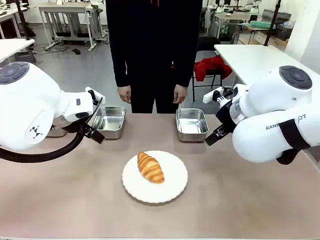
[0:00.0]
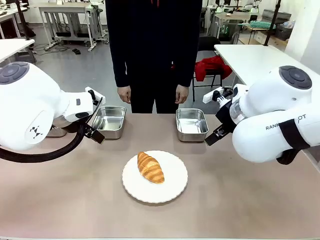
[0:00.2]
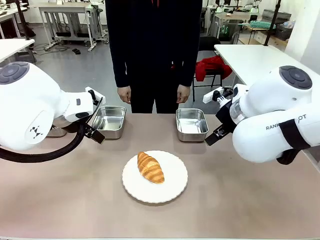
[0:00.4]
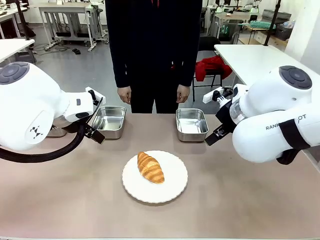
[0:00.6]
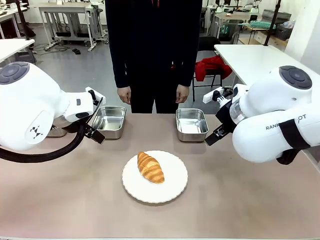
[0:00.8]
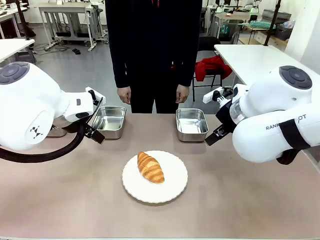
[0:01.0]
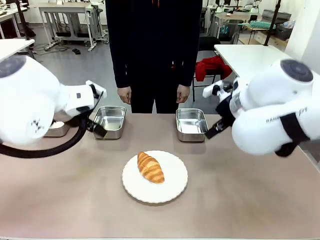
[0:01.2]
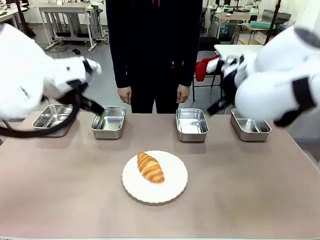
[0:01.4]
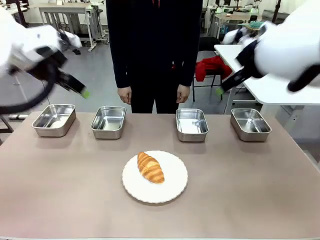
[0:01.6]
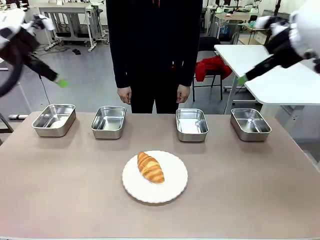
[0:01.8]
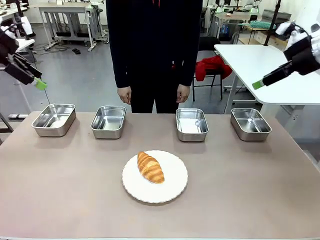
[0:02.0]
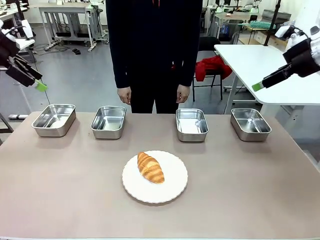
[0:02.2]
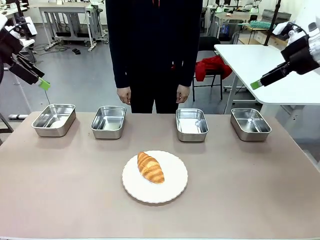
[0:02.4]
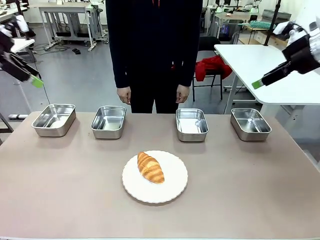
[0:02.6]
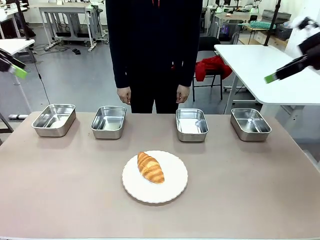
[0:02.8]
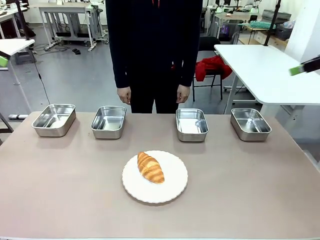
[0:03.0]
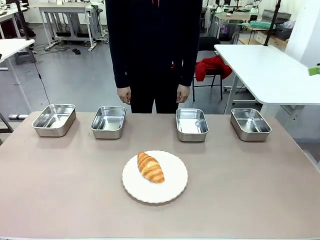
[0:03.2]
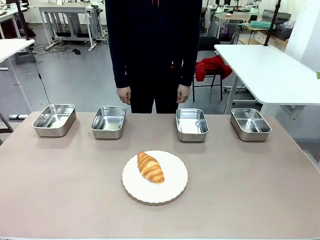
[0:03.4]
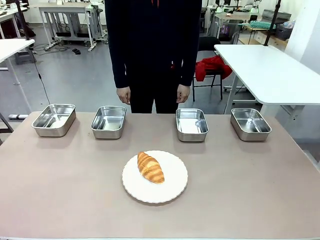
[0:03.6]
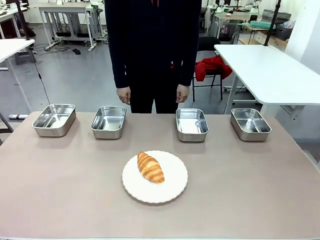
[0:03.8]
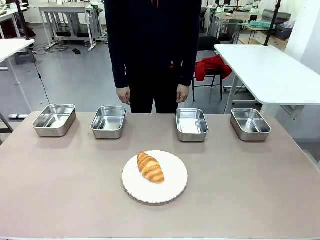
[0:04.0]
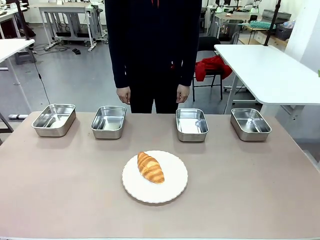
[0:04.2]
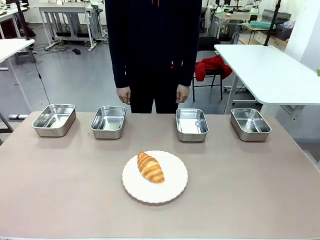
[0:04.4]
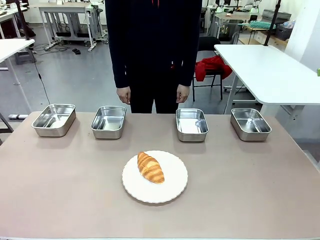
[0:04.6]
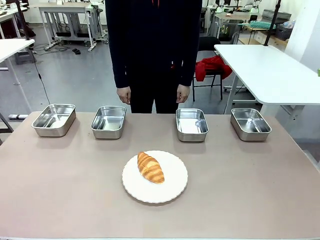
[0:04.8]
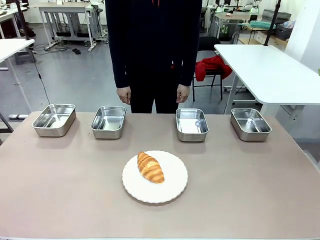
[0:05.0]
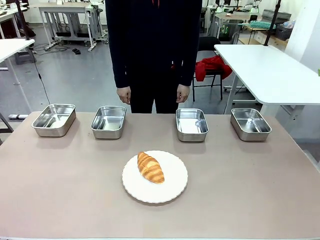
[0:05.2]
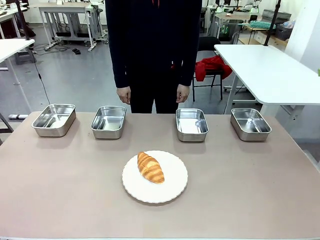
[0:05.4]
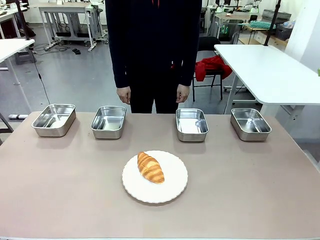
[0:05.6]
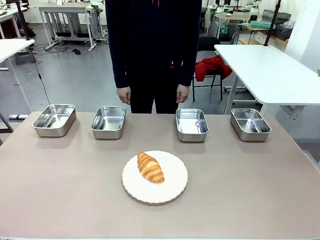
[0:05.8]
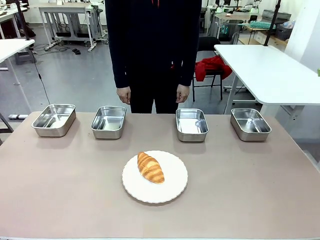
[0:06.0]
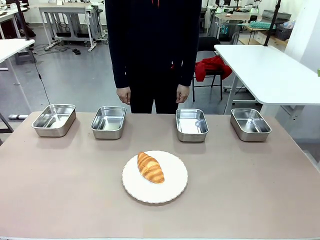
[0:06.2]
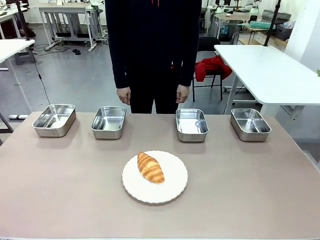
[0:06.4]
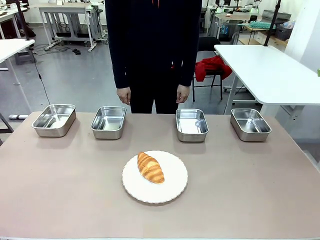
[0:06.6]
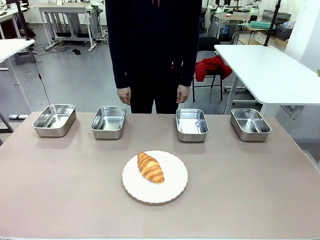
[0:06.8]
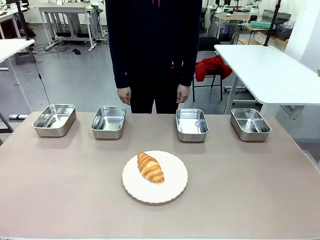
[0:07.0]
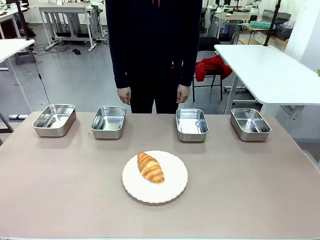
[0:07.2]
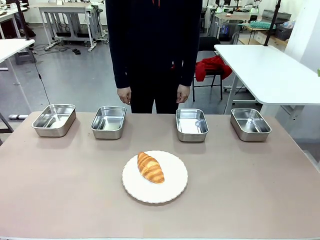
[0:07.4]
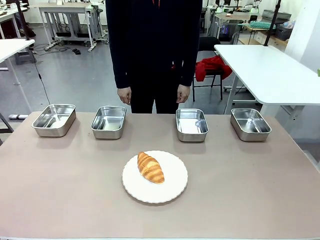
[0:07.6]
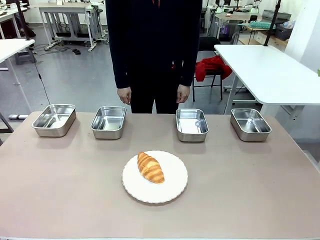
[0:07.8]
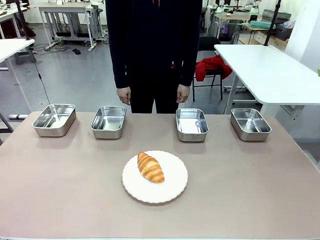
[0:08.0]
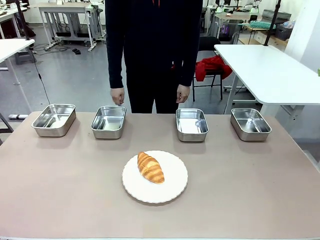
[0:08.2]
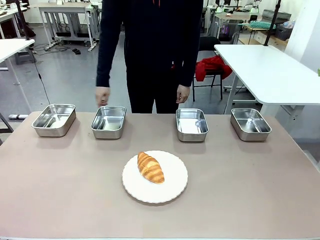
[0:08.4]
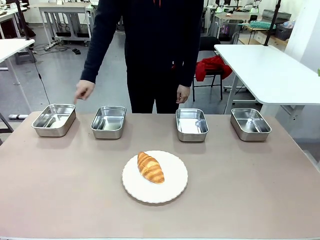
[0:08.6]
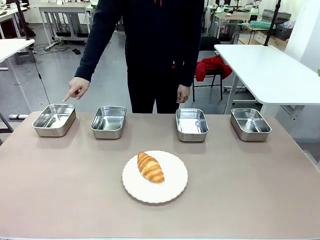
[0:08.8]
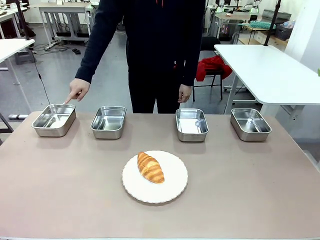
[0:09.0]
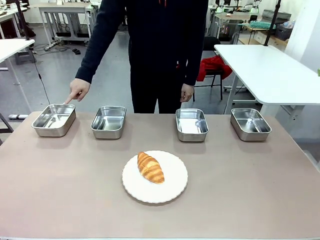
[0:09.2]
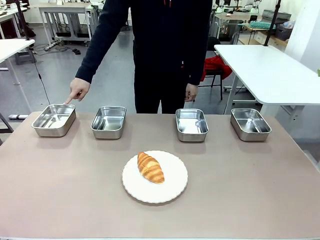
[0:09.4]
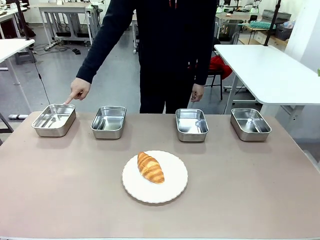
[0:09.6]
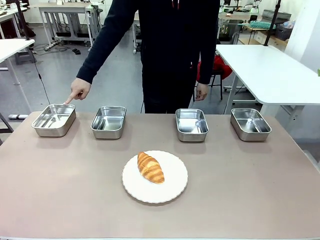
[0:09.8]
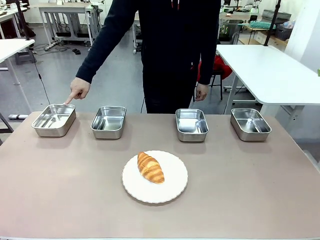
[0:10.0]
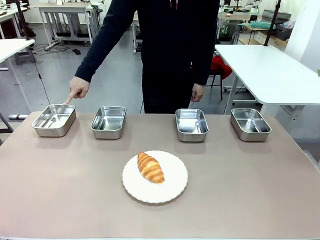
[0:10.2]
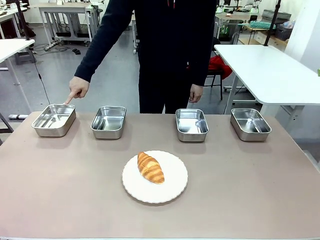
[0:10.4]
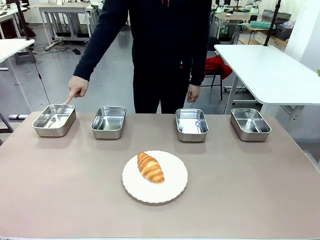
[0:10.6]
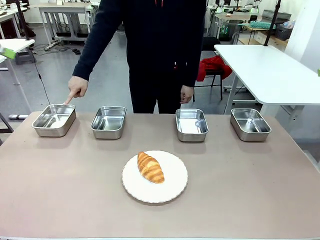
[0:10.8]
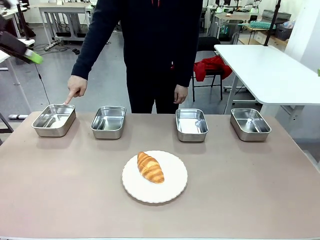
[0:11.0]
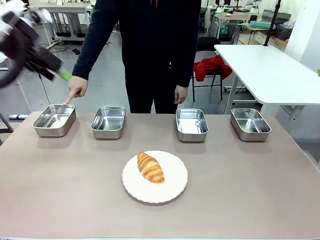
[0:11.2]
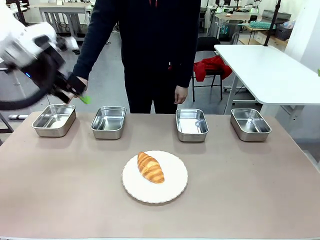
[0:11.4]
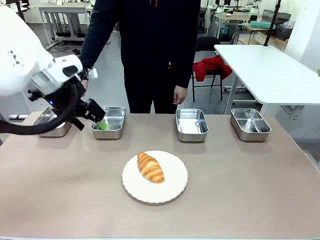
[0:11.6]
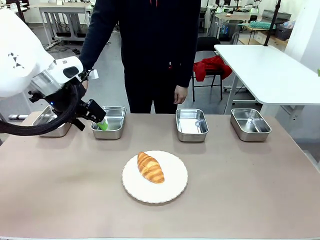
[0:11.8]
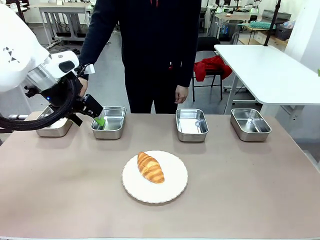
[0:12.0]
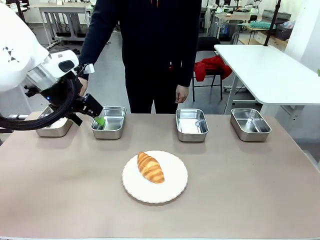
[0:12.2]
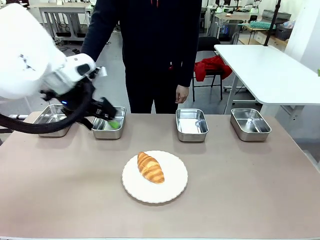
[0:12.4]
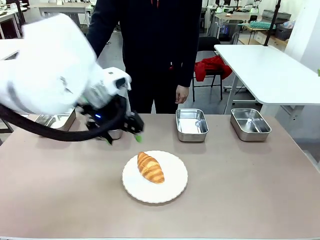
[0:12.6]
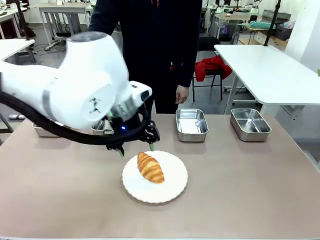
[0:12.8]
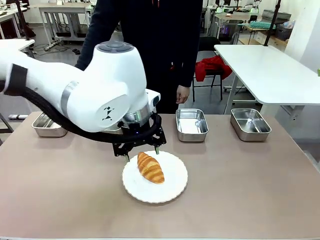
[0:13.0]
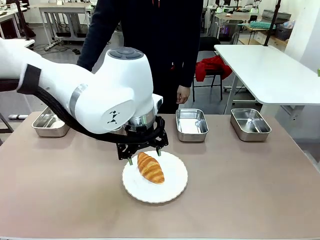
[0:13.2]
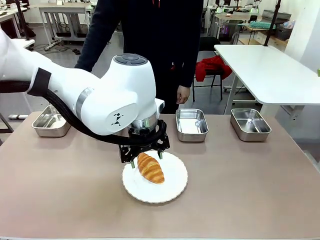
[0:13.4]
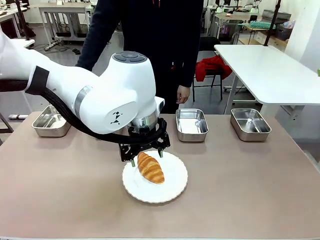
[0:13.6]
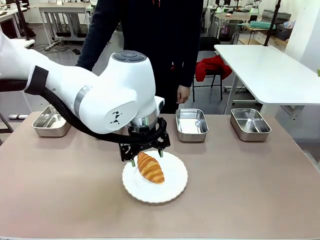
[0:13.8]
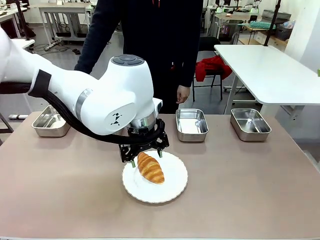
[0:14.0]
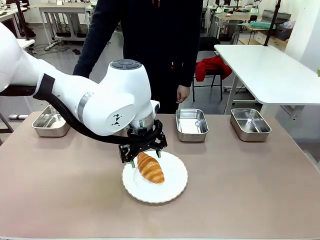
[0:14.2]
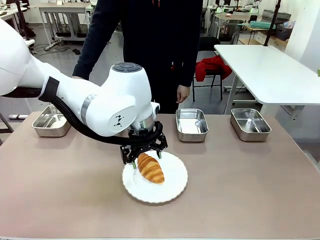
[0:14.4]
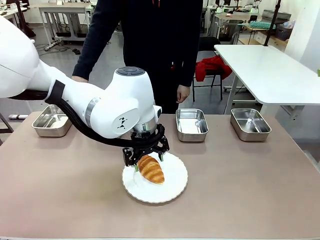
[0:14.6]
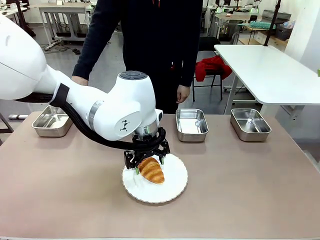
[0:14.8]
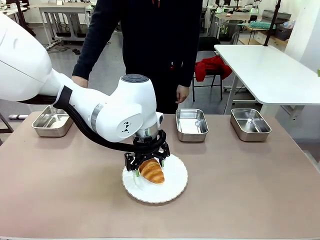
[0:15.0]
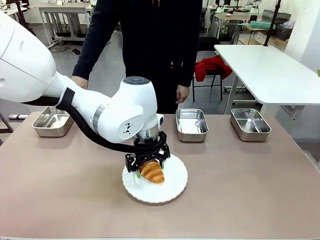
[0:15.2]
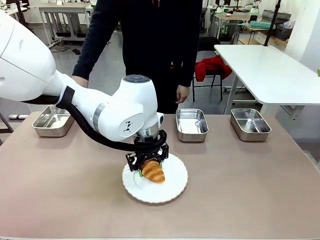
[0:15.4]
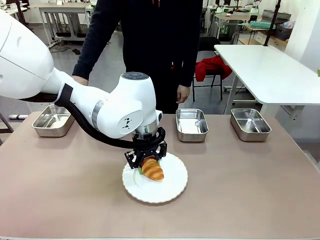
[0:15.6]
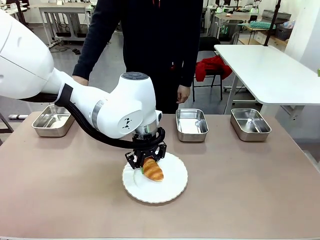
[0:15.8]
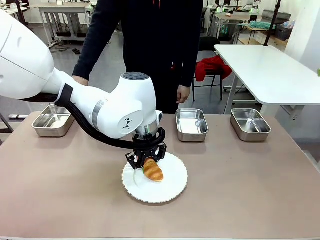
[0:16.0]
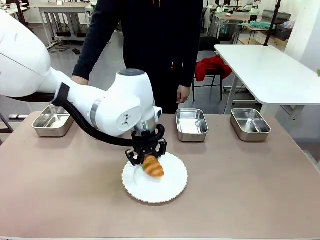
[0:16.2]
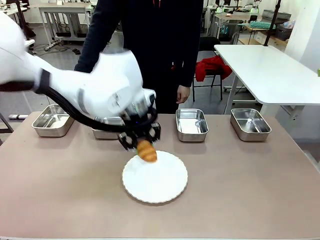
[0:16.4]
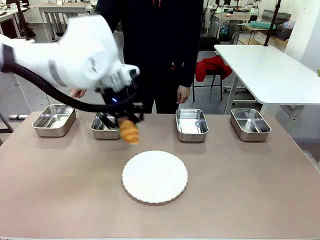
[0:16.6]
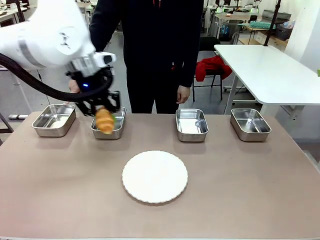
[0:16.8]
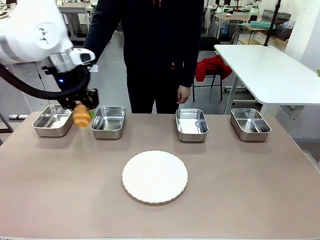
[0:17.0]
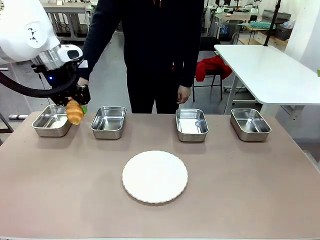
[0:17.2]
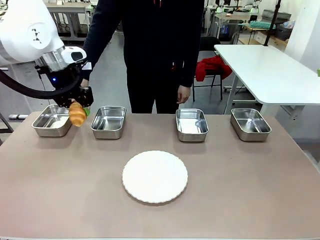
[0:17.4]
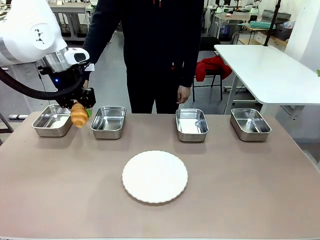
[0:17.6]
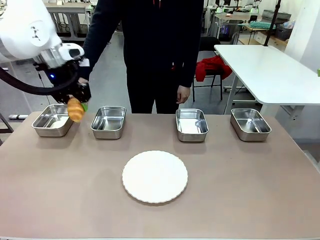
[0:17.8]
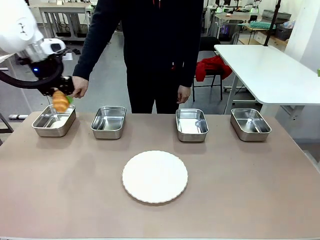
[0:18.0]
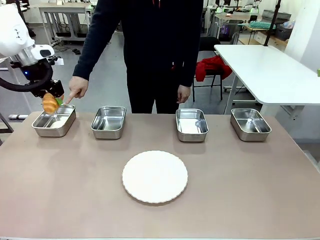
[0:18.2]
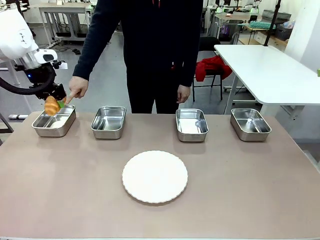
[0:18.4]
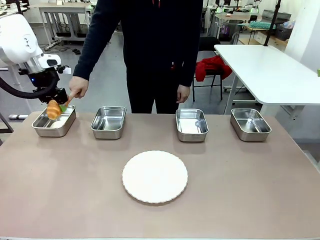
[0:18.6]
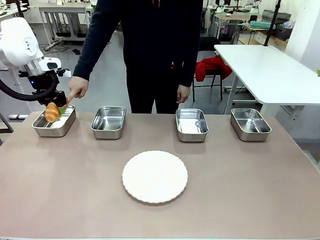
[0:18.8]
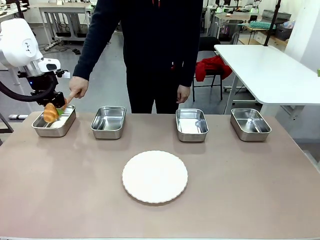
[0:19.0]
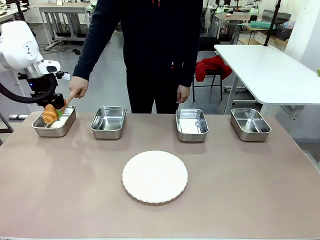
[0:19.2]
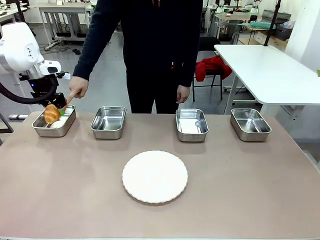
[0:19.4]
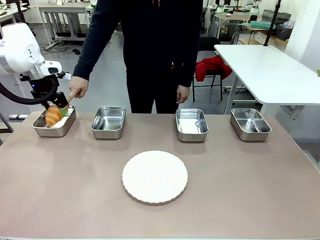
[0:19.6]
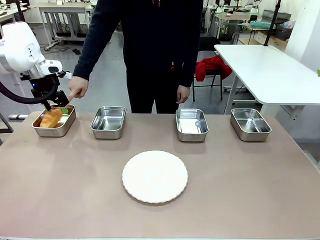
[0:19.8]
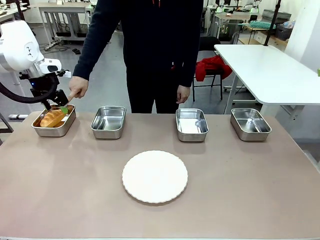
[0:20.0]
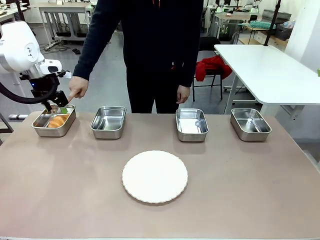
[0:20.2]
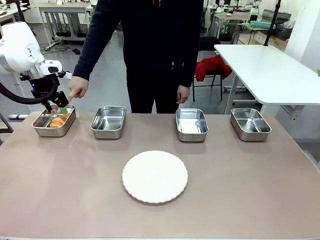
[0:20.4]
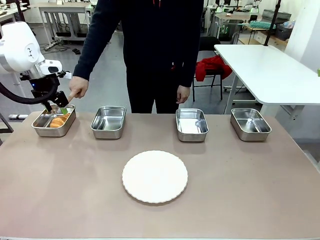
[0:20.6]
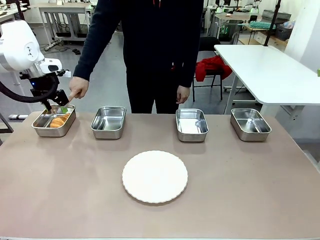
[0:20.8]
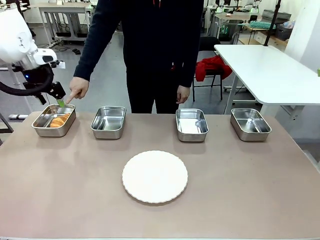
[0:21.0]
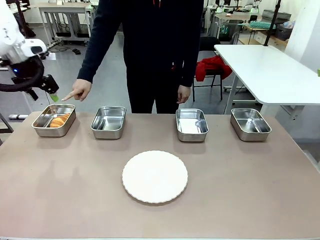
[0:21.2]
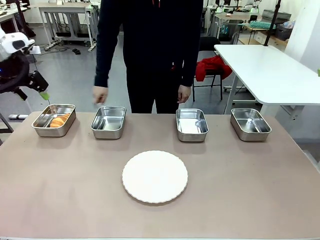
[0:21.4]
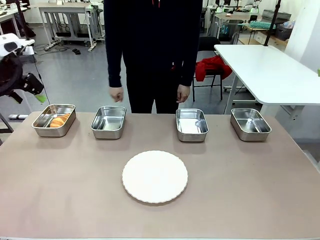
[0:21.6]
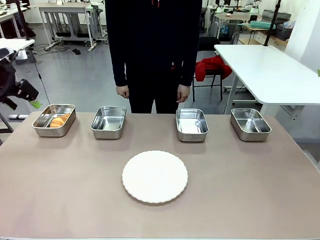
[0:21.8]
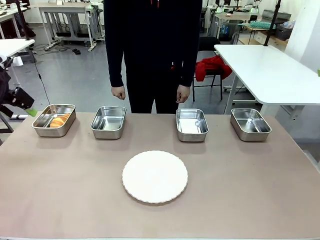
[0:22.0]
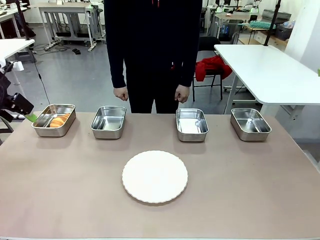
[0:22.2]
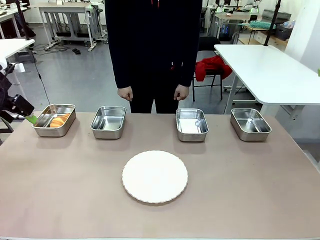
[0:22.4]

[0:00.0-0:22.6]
Task: Place the bread in the container.
Robot: Place the Butter Roll into the Airtight Container indicated by the human.
Person: A person randomly selects and points to an Airtight Container.
